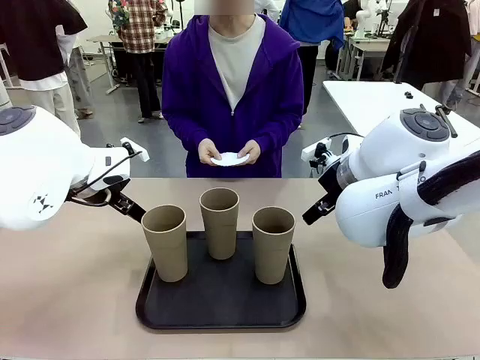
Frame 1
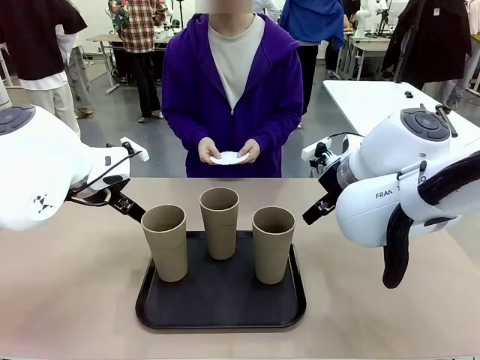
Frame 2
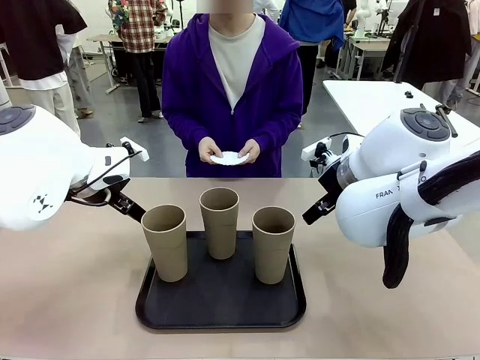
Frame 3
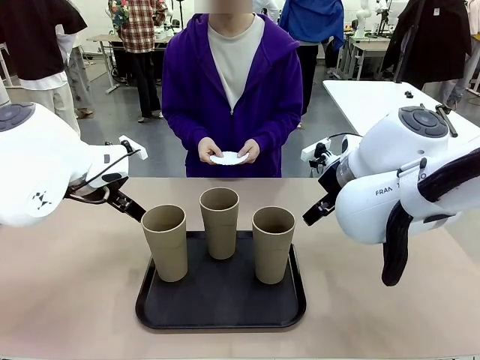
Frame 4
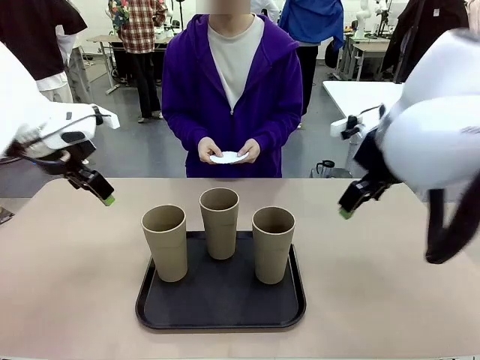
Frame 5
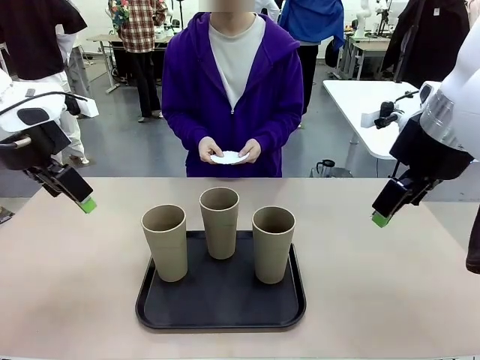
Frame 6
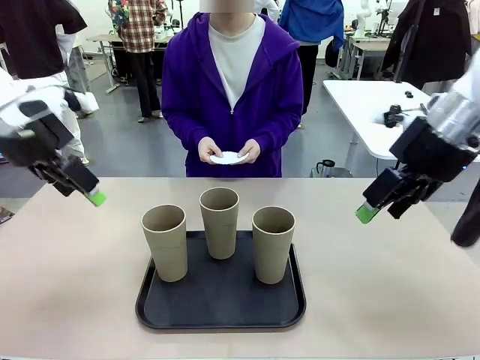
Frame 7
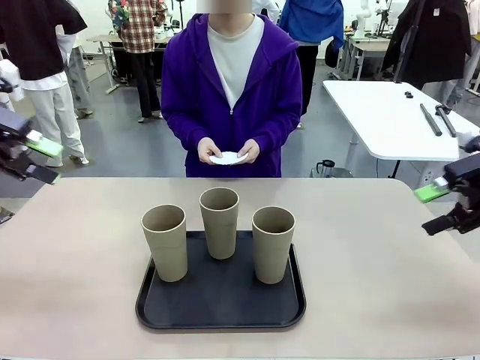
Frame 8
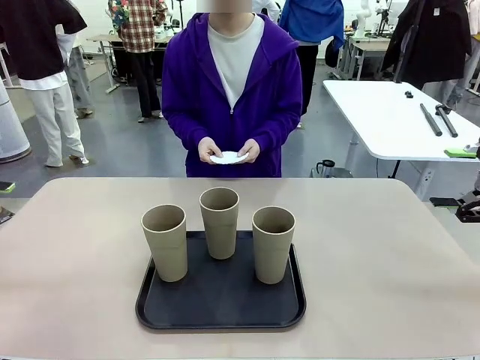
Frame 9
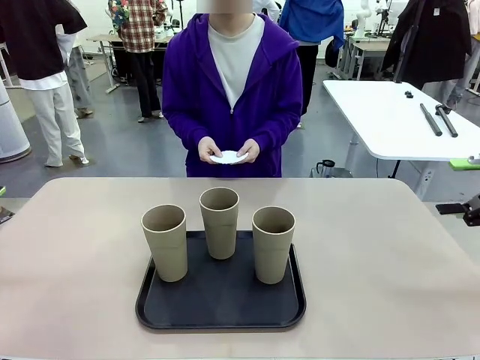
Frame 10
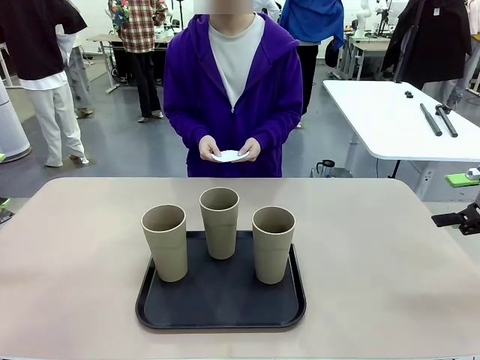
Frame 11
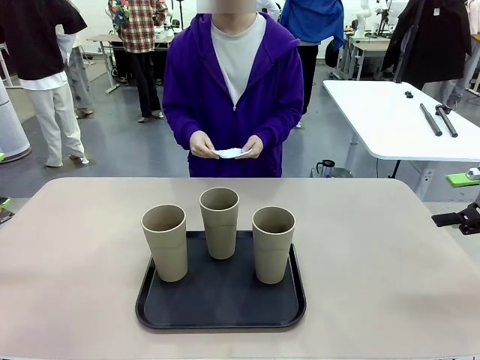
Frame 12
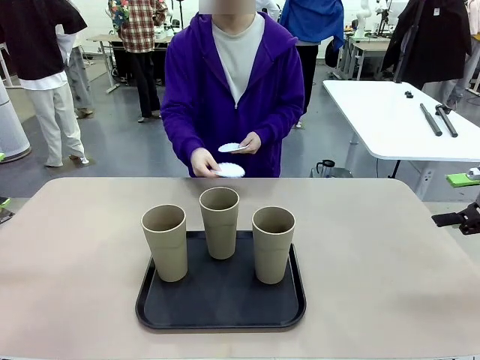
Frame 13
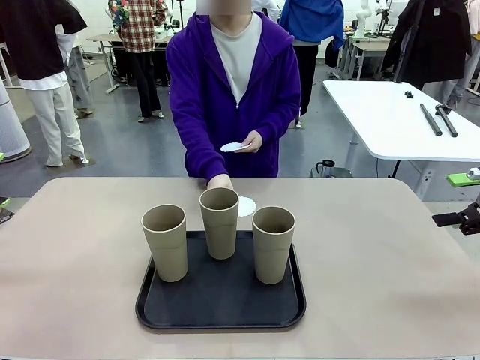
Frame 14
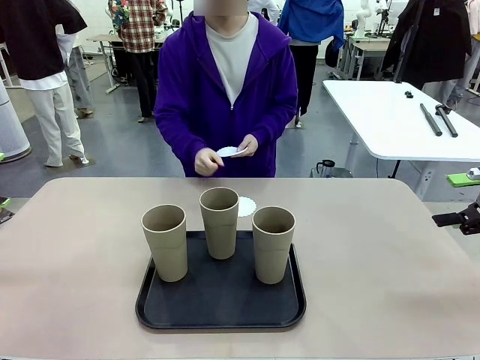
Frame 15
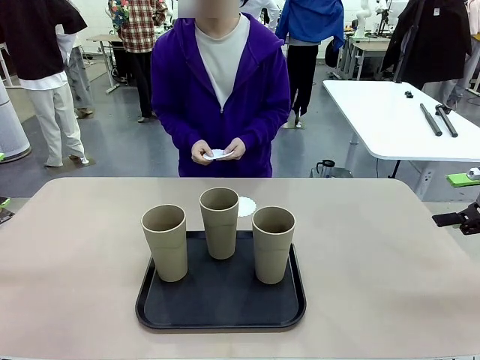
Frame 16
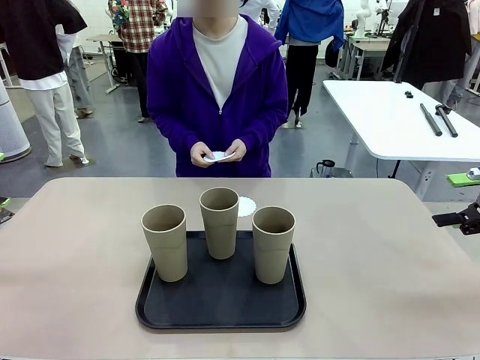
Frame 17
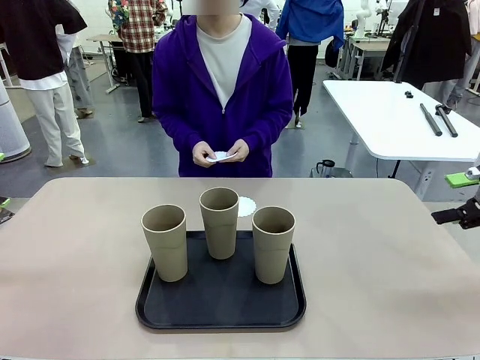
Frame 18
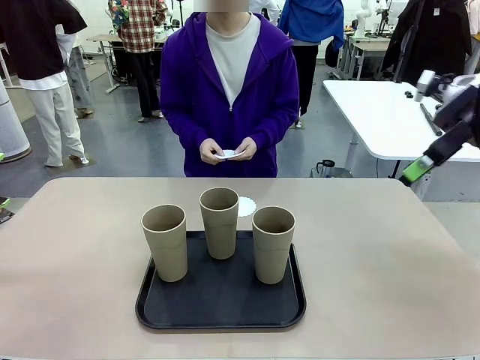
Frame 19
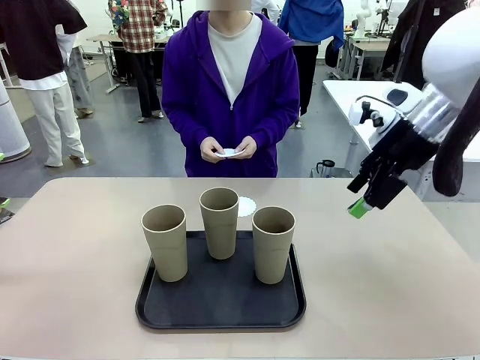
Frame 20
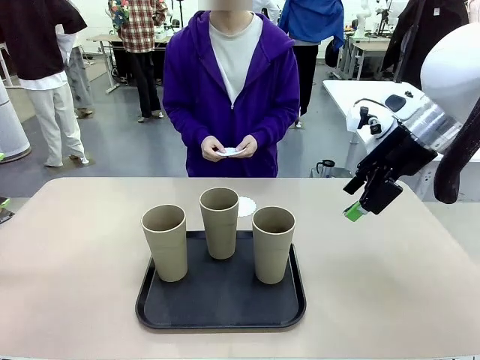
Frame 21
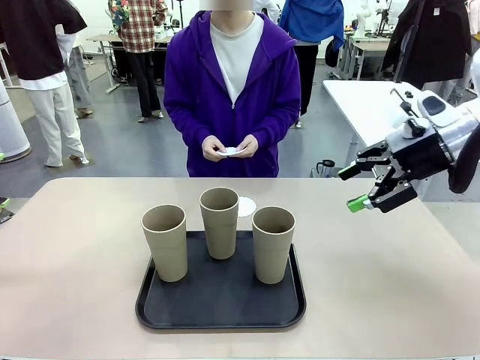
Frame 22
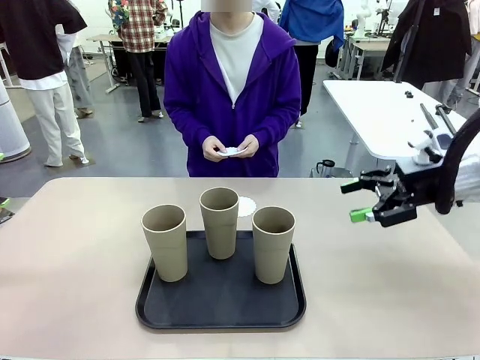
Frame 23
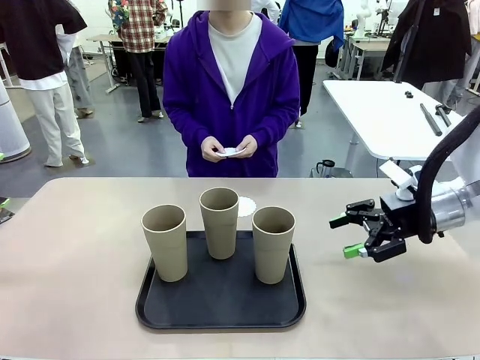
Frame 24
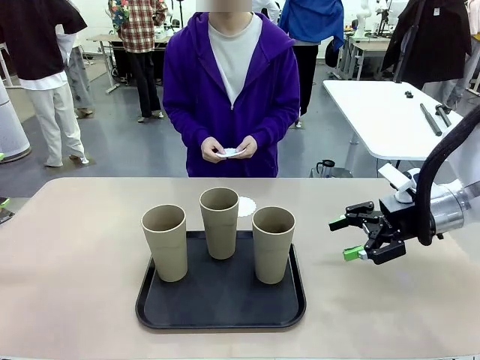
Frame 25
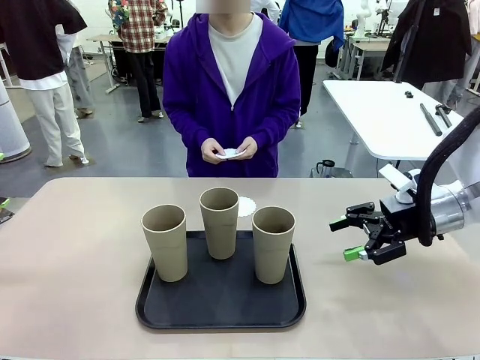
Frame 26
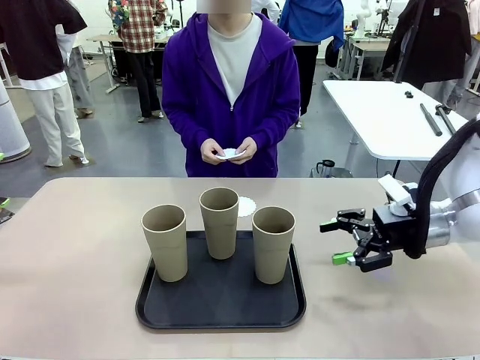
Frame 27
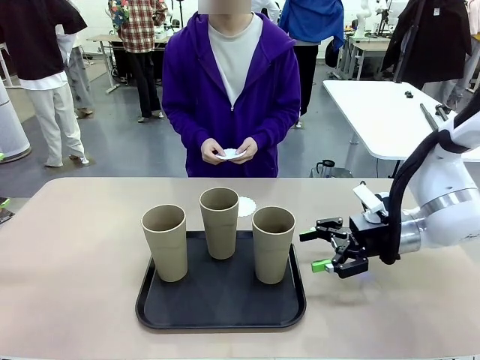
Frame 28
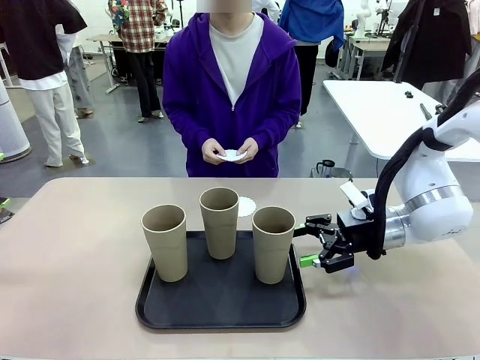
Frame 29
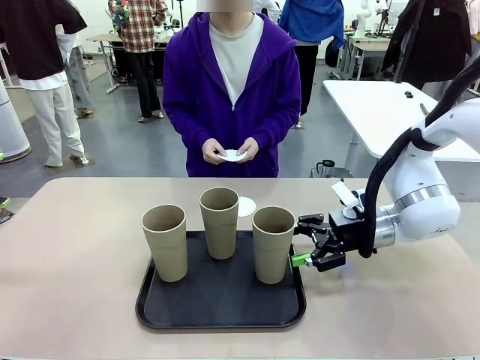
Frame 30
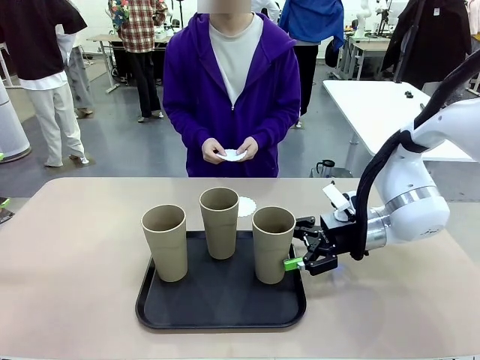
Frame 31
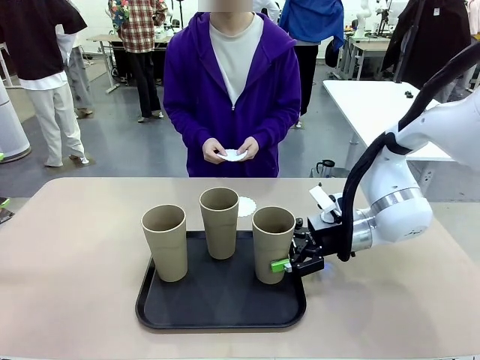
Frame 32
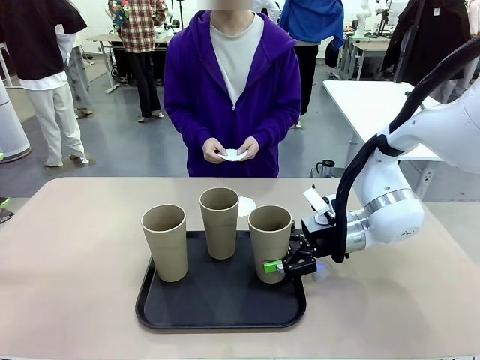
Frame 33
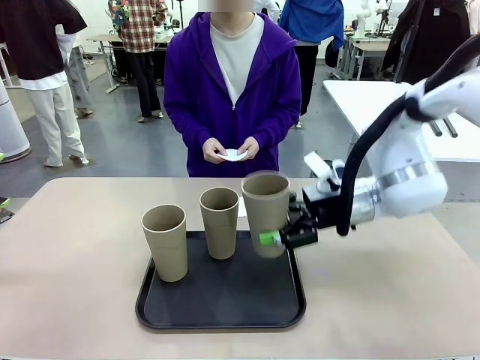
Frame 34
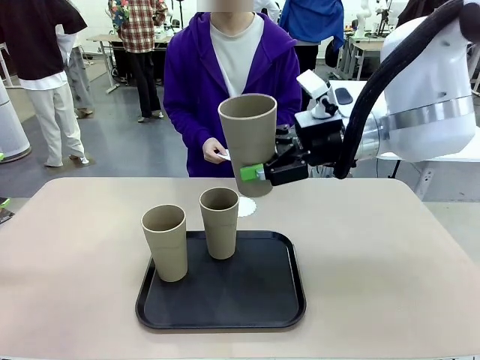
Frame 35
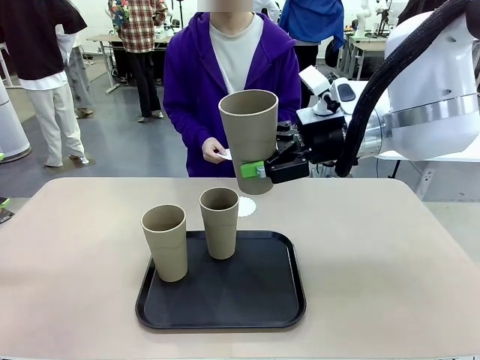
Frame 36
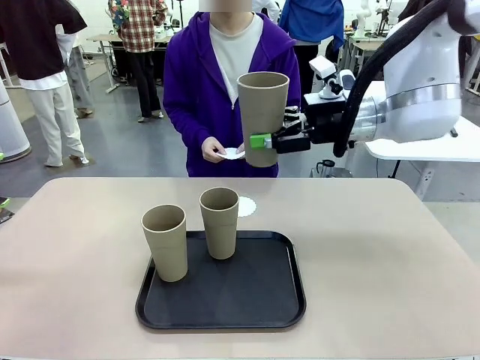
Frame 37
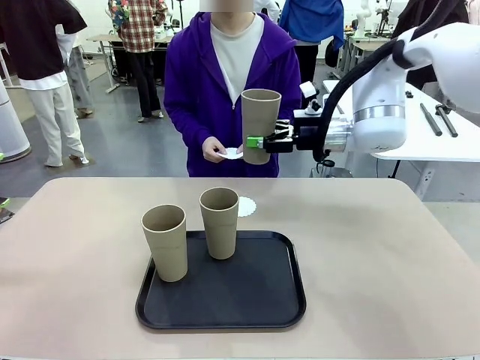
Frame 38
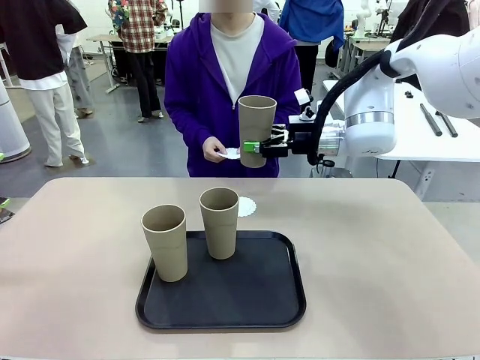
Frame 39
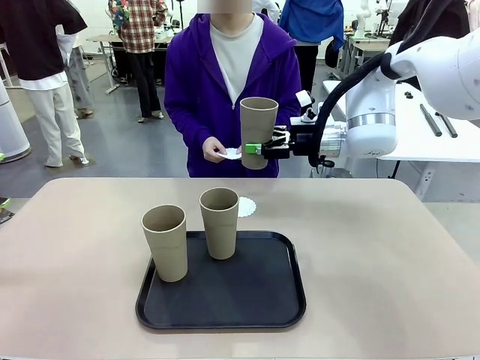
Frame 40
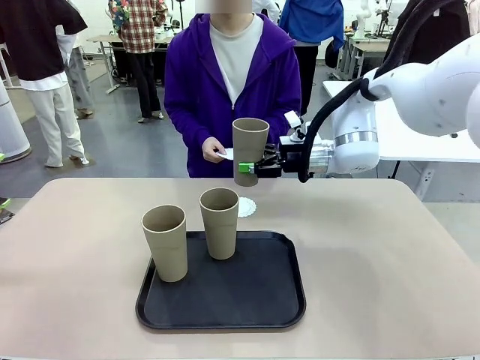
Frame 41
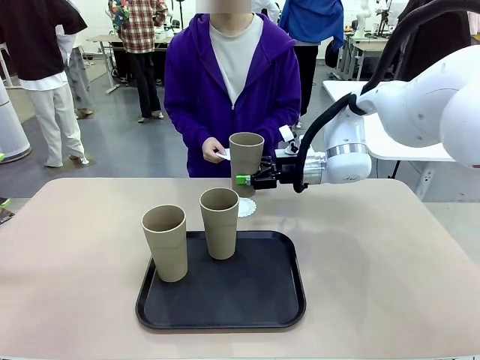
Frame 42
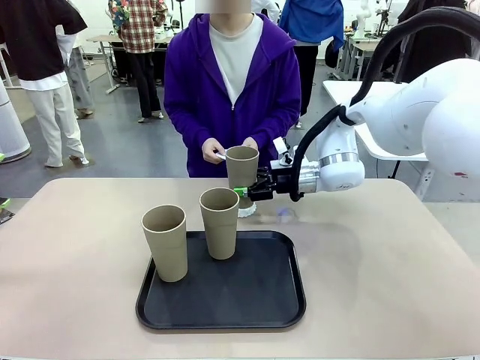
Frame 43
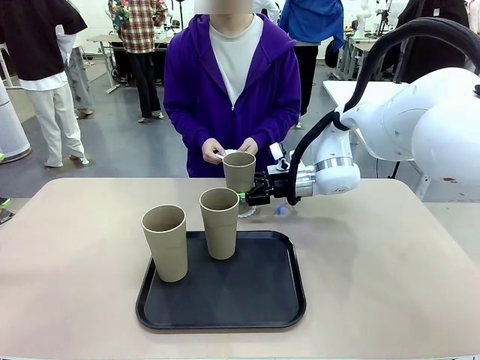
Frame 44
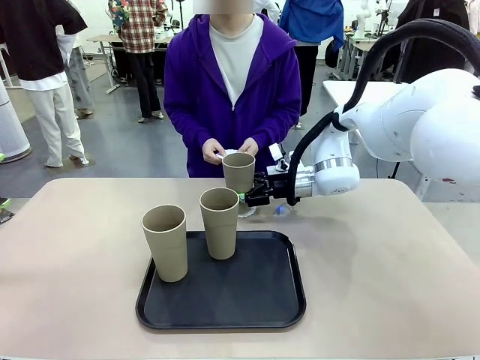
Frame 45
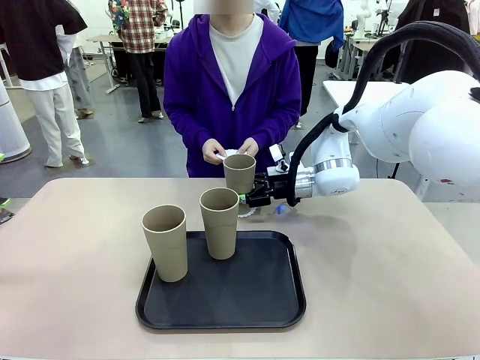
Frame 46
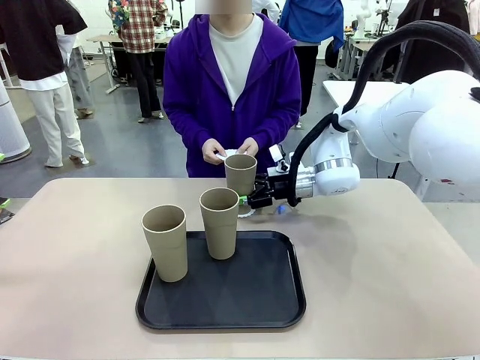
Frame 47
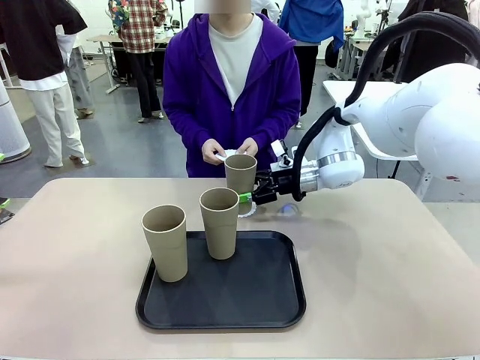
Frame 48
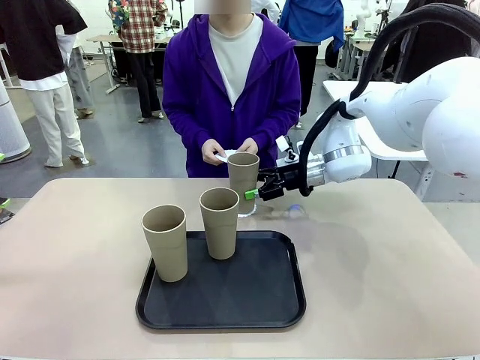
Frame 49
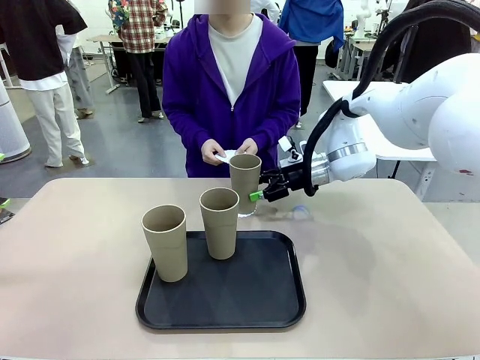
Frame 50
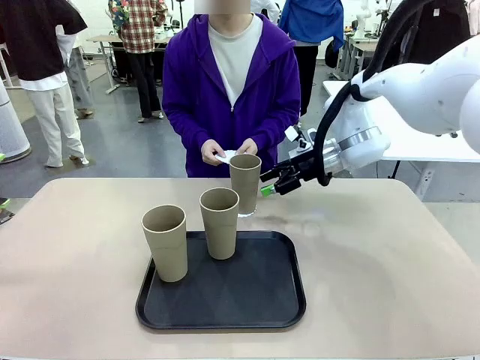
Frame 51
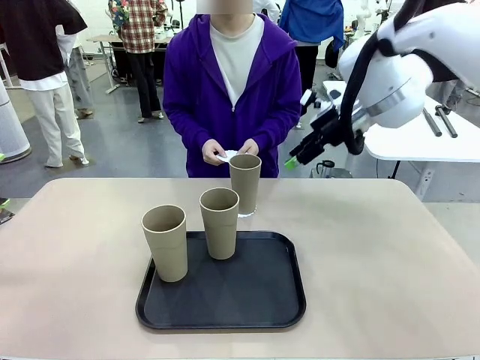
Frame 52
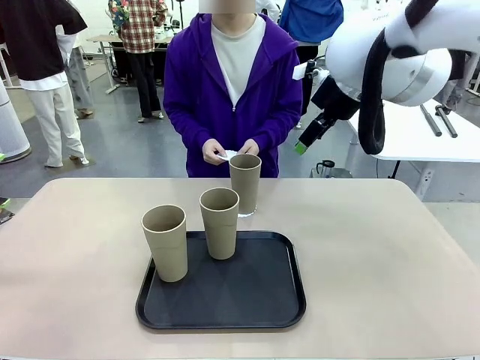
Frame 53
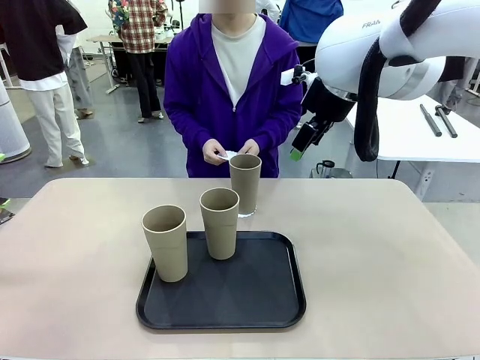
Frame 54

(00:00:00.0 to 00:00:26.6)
Task: Place coasters on the table and set cups on them.
Robot: Pick up one Reusable plastic cup and place it on a coaster set by the human.
Person: Place one coaster in any one of the three lower areas of the robot table (left, center, or right). Place one coaster in one of the two areas excluding the previously selected area.
